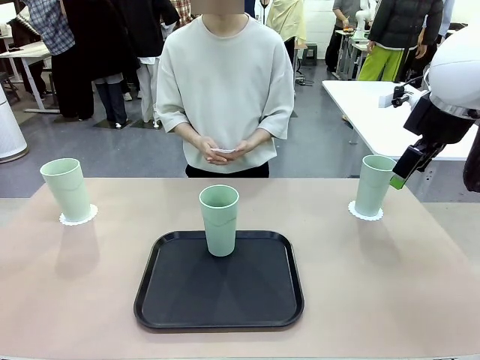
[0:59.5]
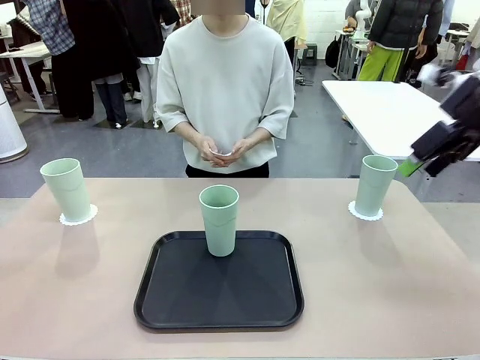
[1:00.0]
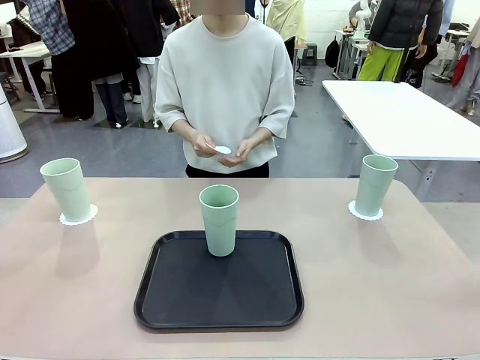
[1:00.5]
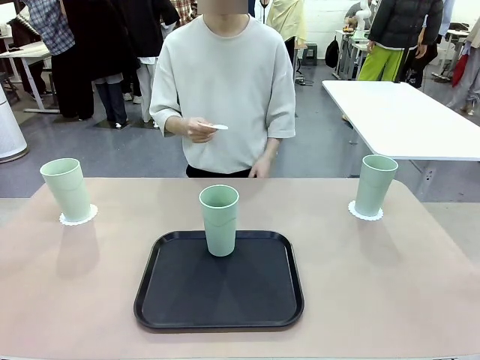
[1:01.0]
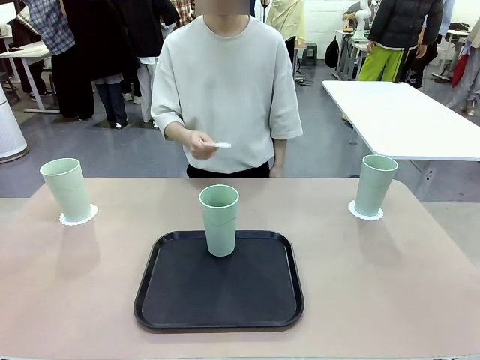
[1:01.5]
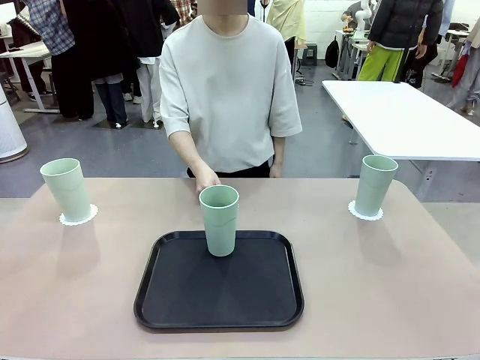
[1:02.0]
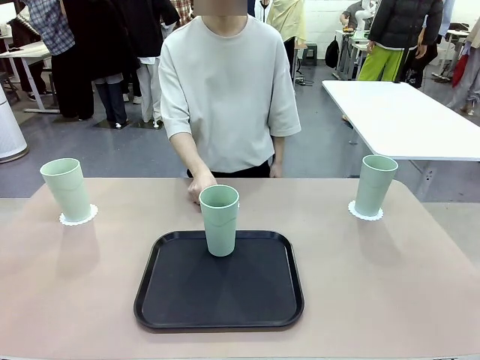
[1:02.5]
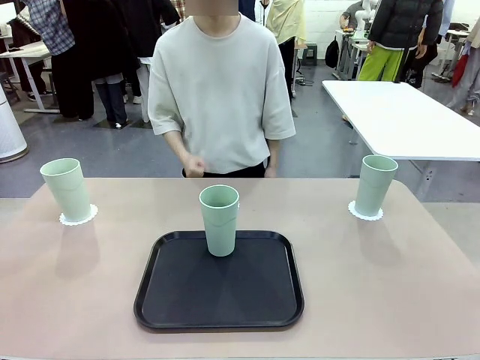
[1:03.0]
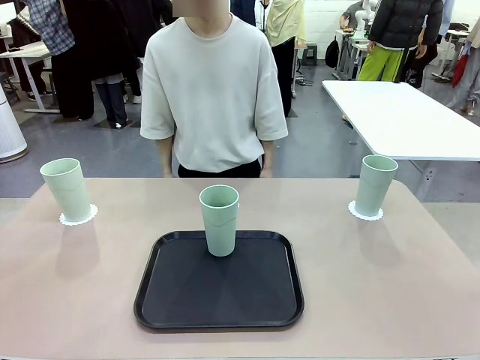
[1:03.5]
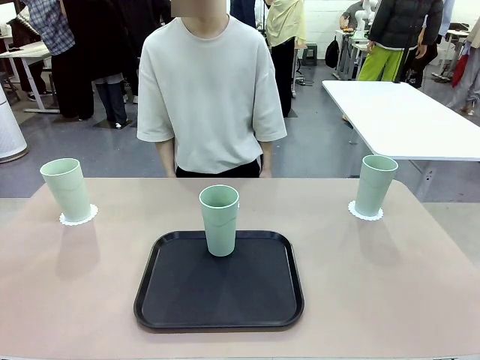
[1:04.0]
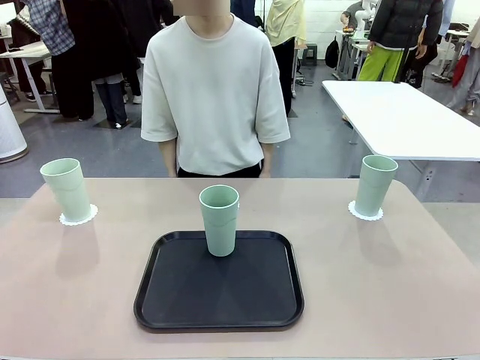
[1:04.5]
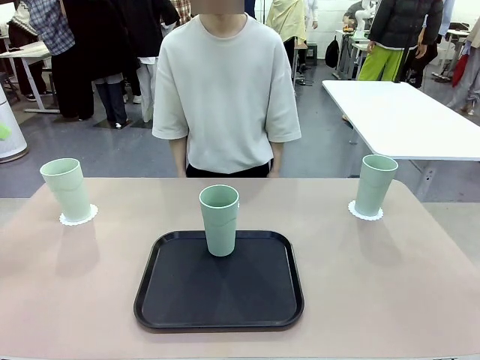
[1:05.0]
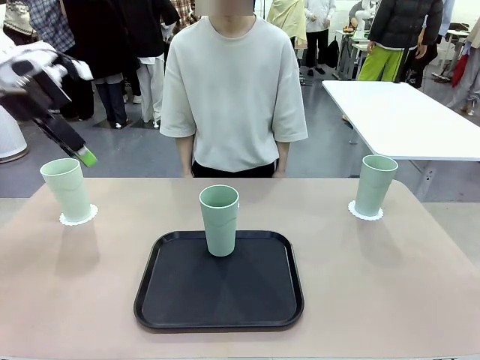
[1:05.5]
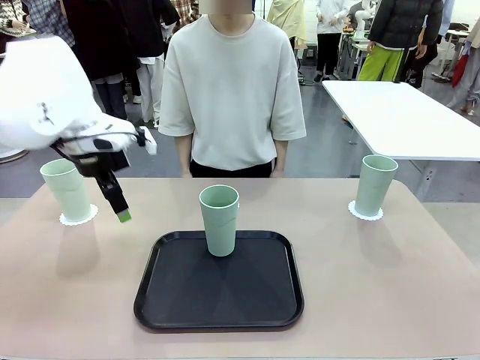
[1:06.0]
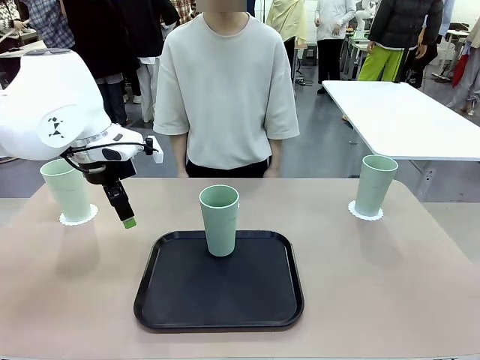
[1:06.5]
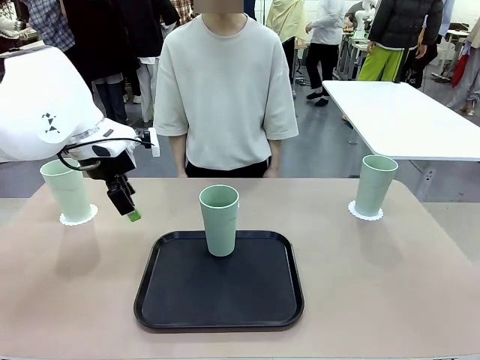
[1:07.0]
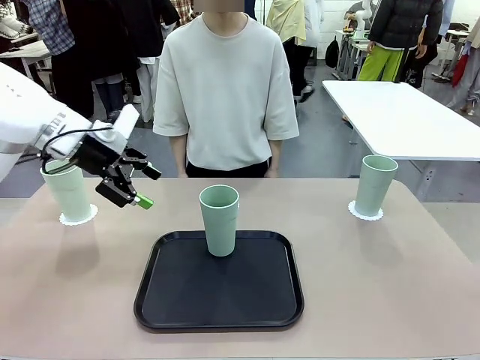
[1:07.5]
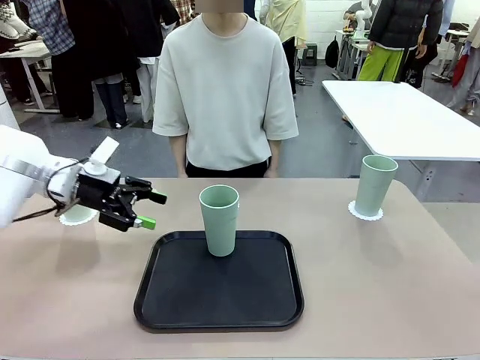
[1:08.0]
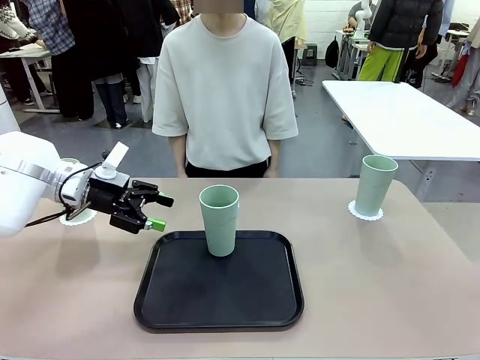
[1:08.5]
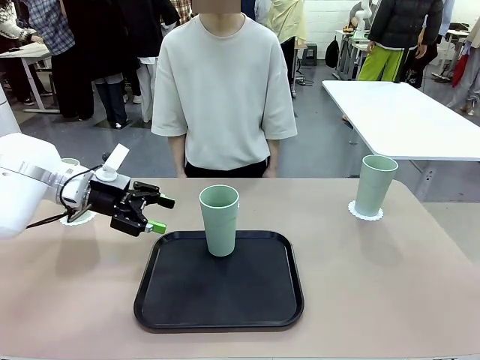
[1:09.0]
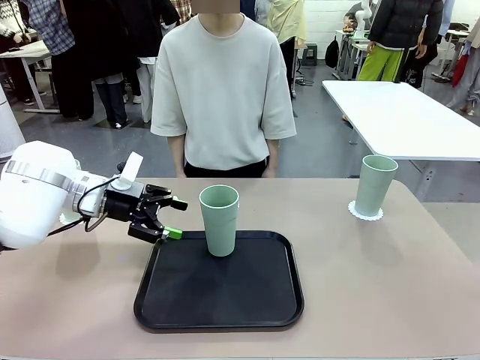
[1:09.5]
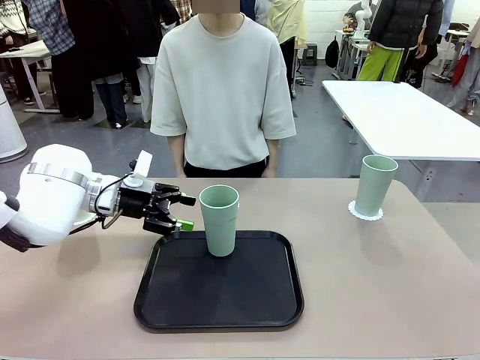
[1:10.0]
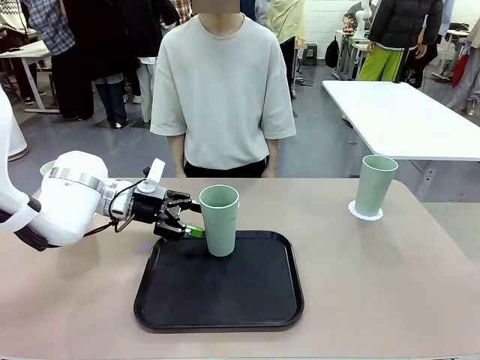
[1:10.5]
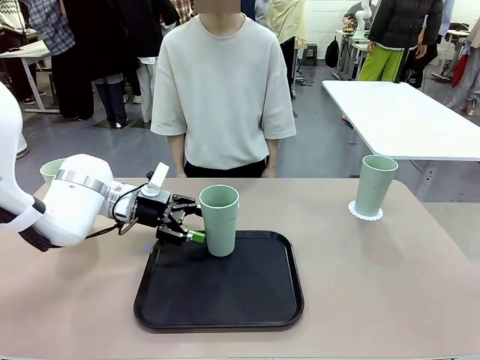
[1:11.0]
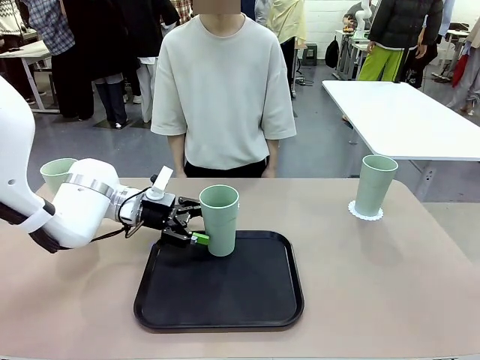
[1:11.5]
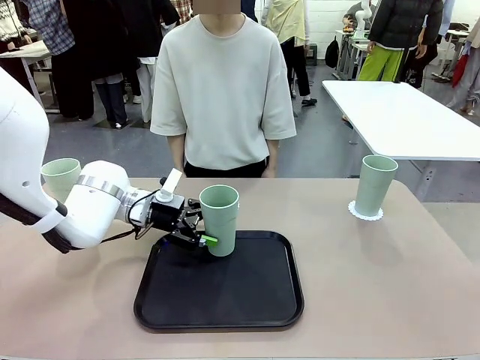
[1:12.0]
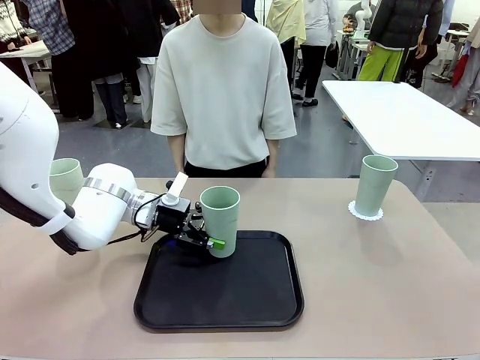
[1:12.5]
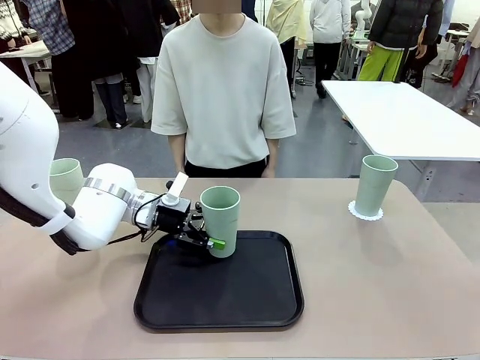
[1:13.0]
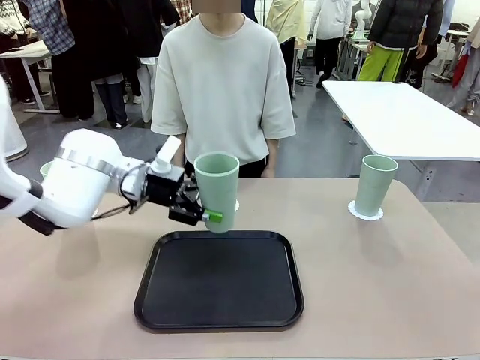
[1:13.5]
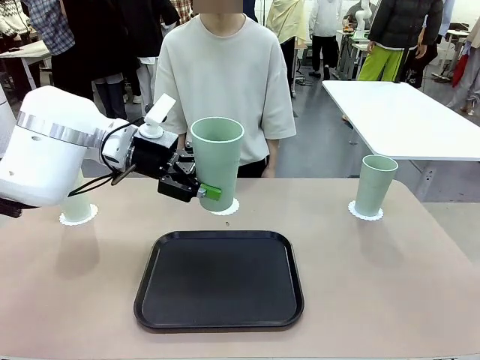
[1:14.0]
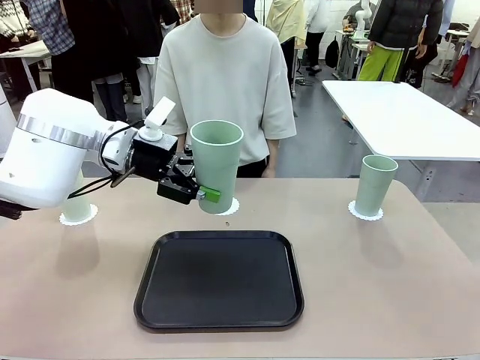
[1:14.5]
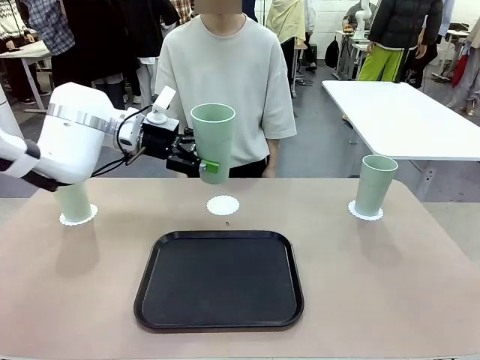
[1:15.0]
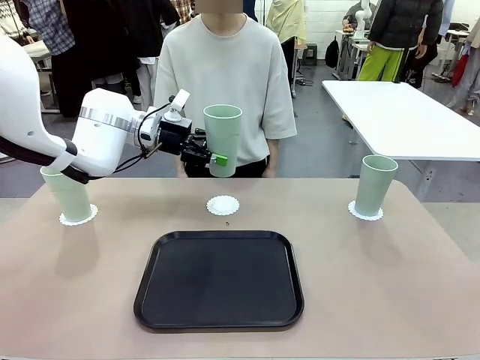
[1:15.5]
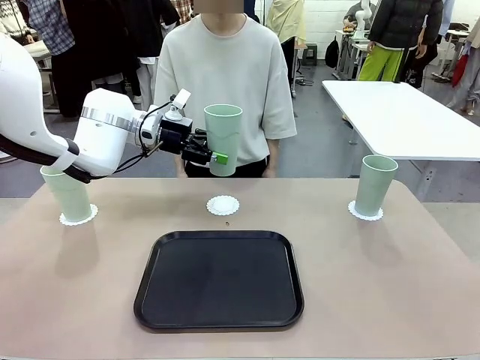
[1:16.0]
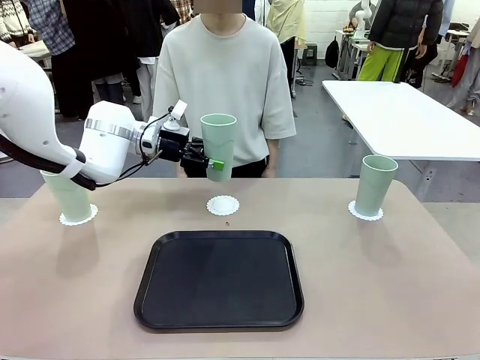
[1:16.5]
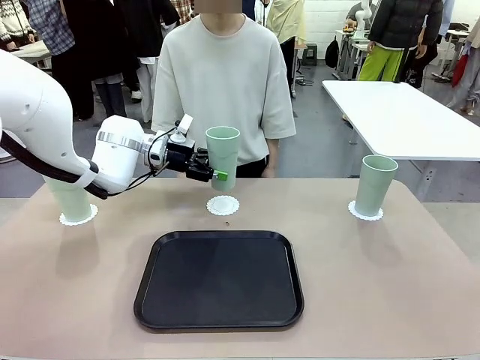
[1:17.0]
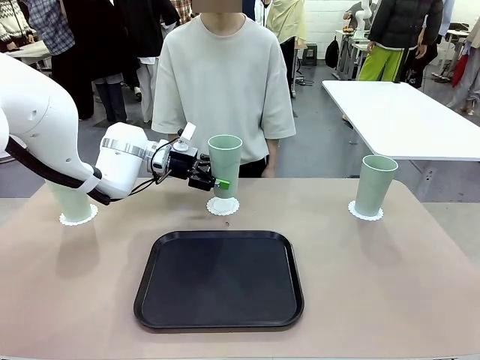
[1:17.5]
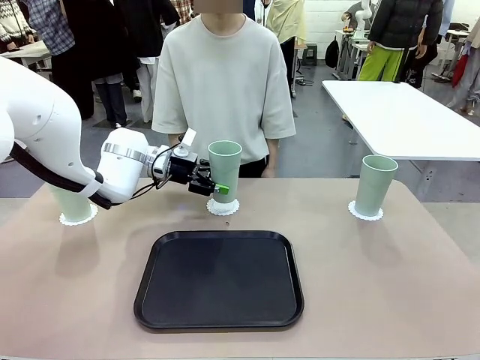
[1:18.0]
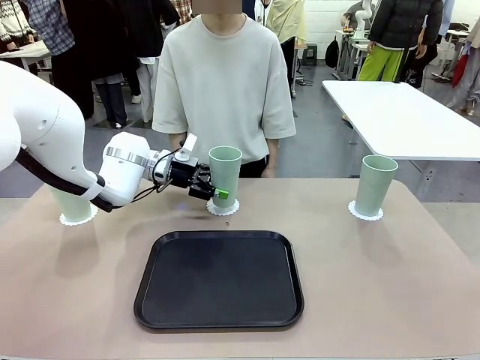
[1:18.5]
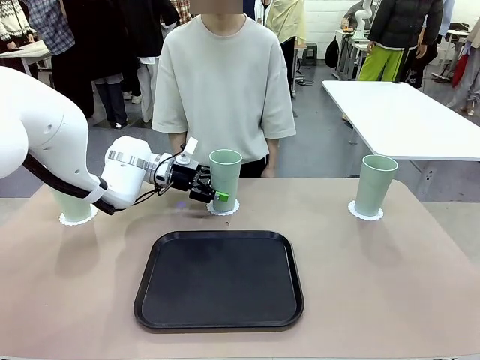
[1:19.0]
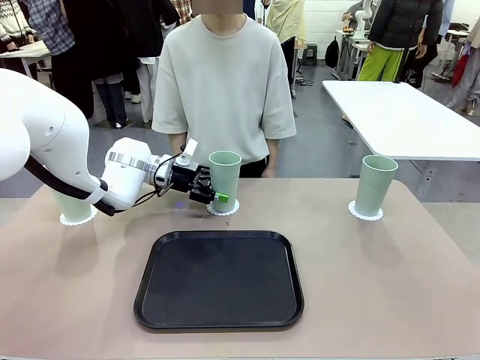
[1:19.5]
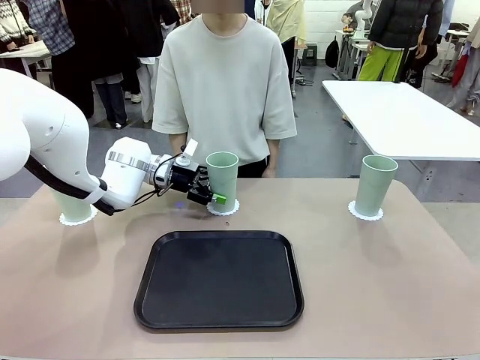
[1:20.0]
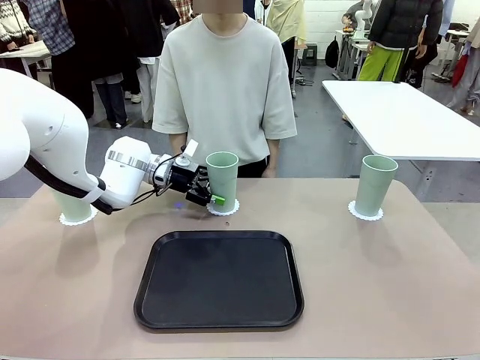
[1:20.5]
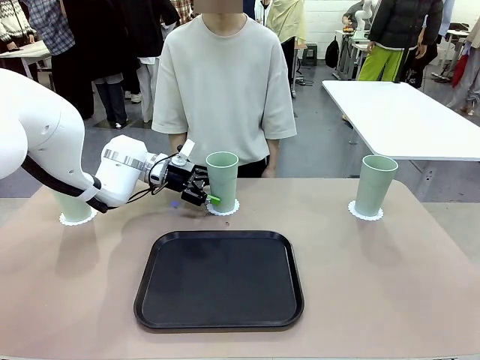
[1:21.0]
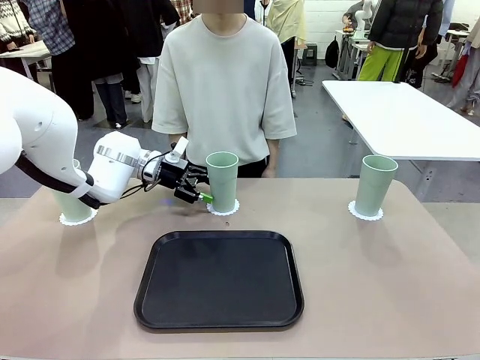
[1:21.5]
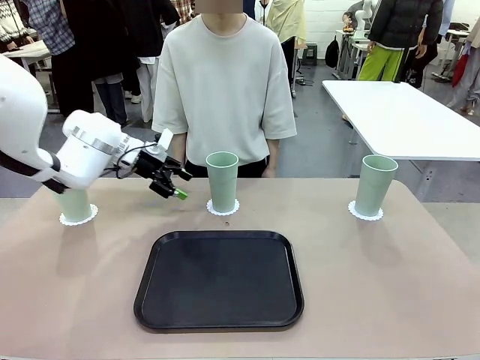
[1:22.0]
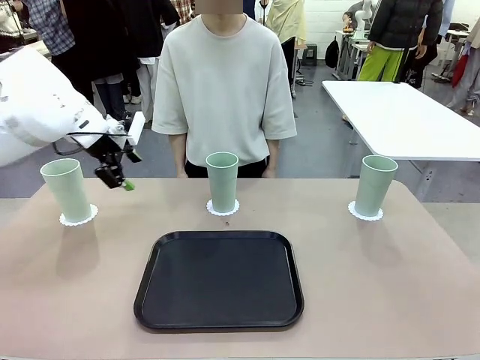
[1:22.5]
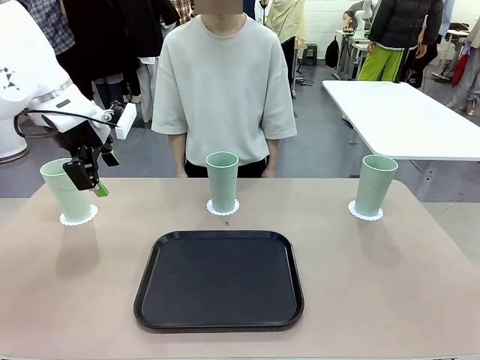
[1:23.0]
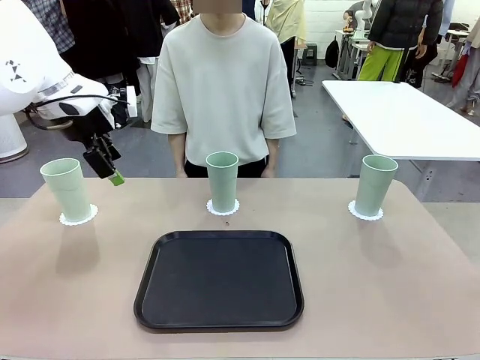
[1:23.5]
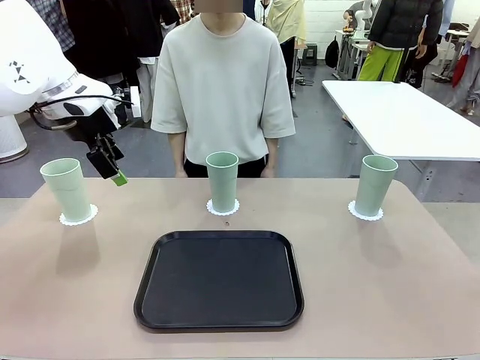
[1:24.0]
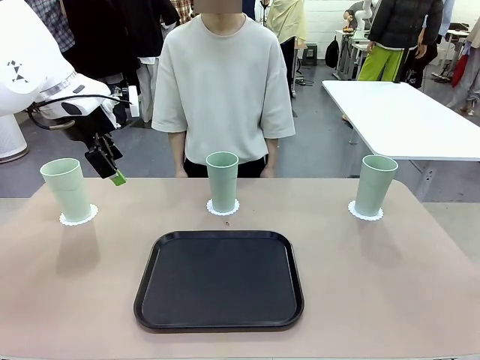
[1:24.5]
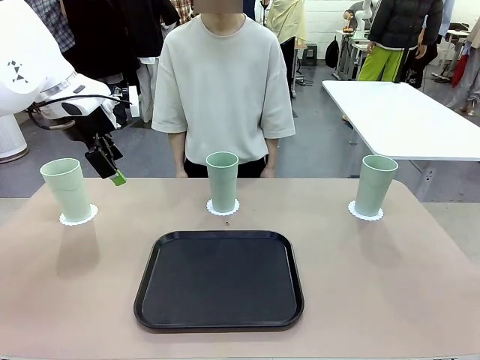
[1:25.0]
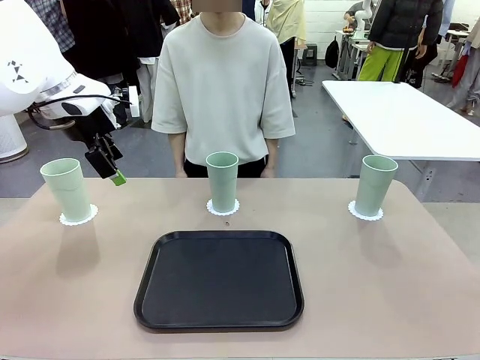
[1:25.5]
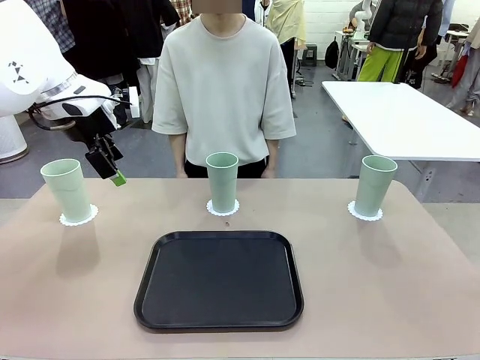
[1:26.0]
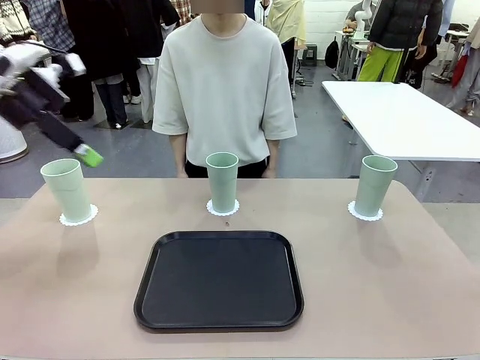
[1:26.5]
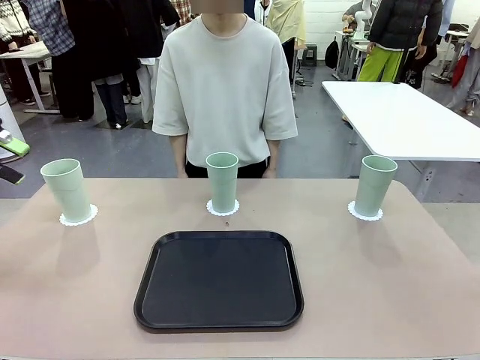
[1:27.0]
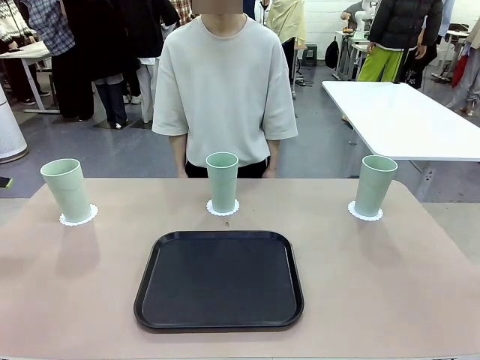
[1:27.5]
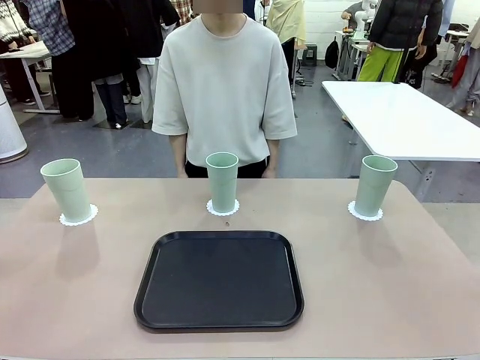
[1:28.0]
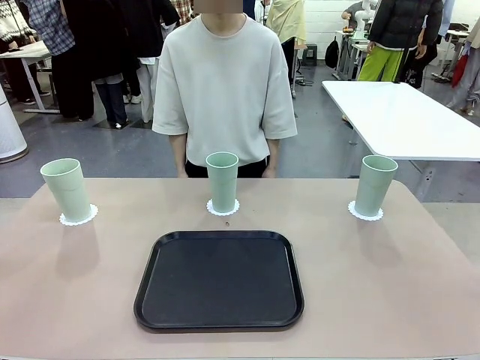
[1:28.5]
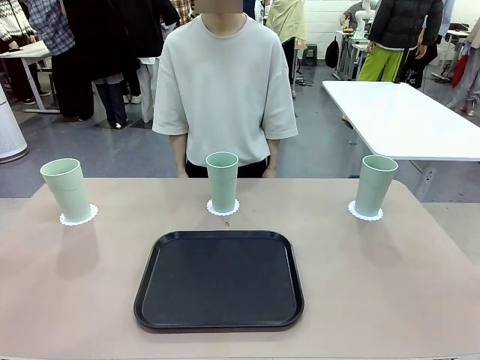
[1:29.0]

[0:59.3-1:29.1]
Task: Place coasters on the table and set cups on them.
Robot: Take one Reusable plastic cup from the Flat Tray and place it on a coaster set by the human.
Person: Place one coaster in the only remaining area.
